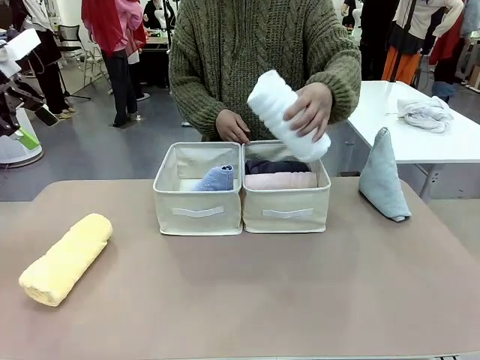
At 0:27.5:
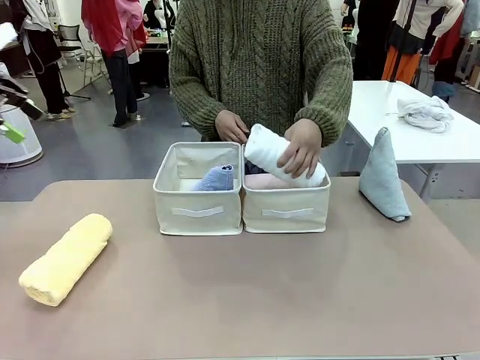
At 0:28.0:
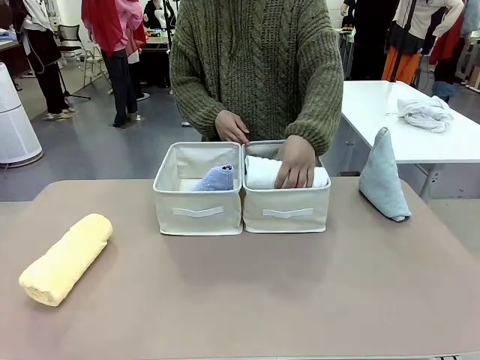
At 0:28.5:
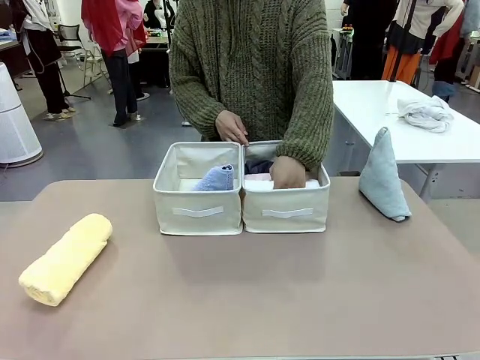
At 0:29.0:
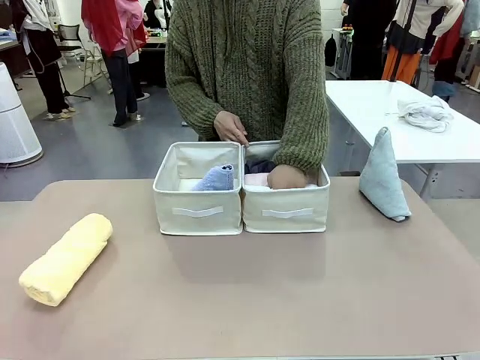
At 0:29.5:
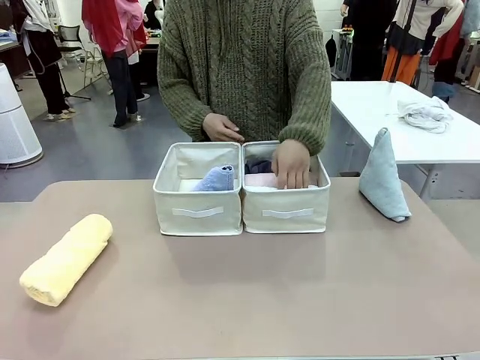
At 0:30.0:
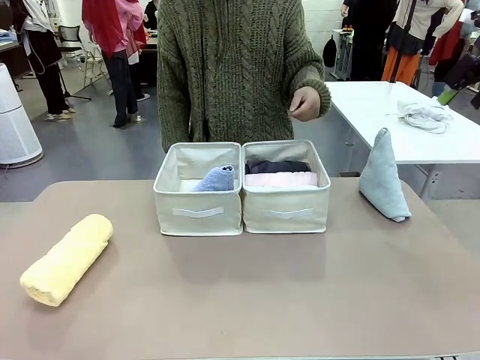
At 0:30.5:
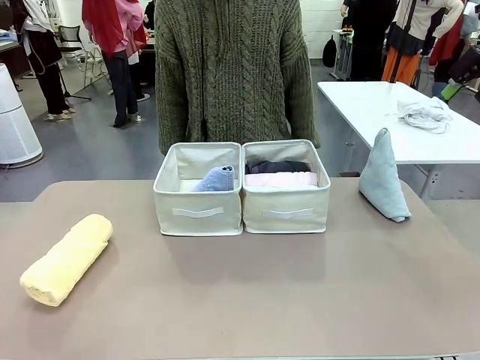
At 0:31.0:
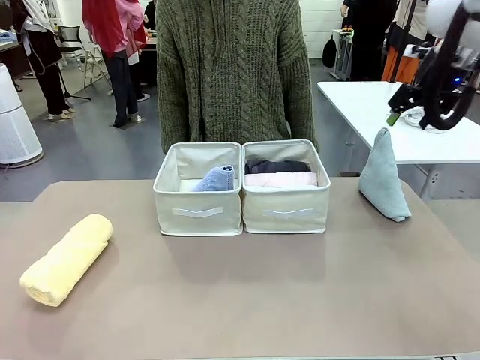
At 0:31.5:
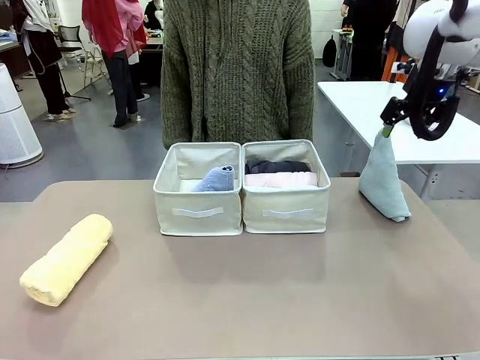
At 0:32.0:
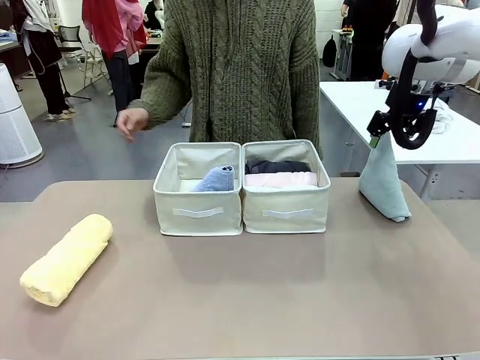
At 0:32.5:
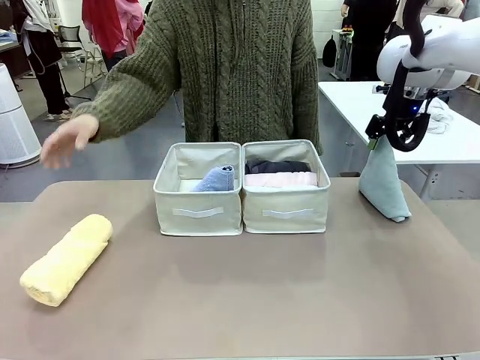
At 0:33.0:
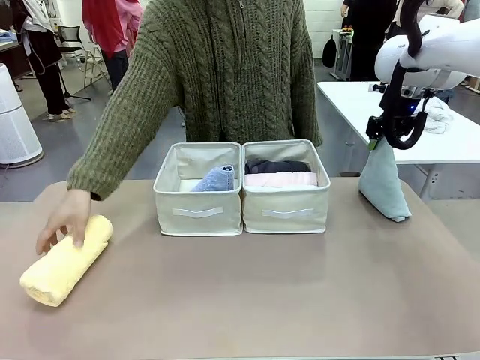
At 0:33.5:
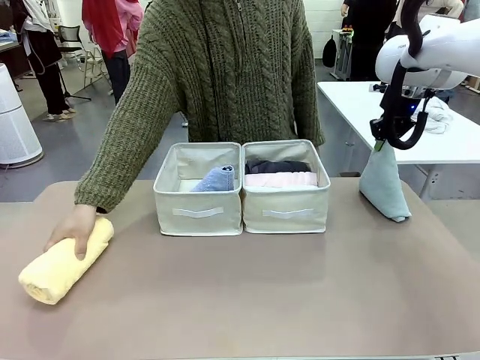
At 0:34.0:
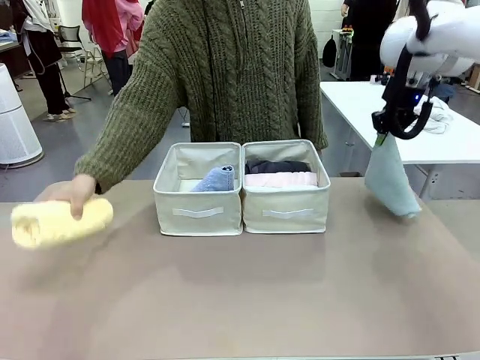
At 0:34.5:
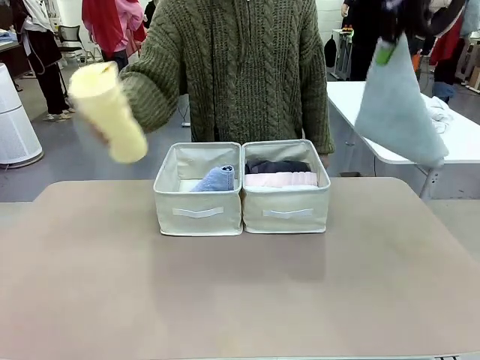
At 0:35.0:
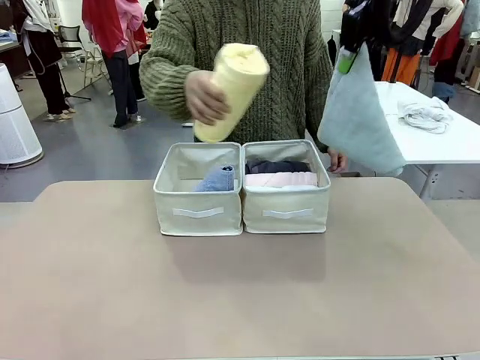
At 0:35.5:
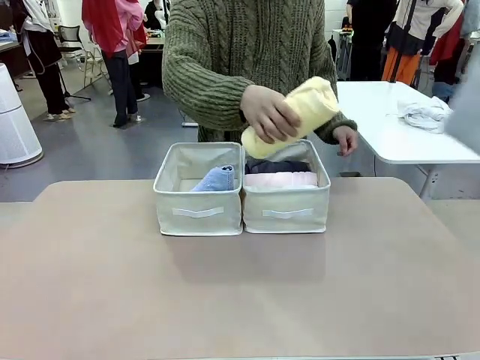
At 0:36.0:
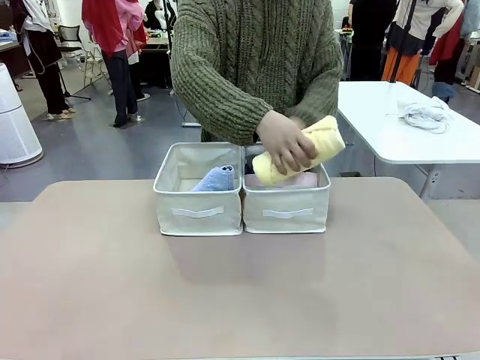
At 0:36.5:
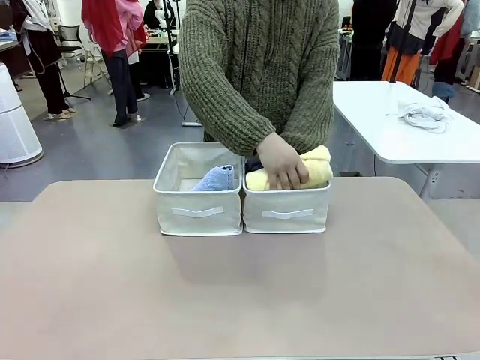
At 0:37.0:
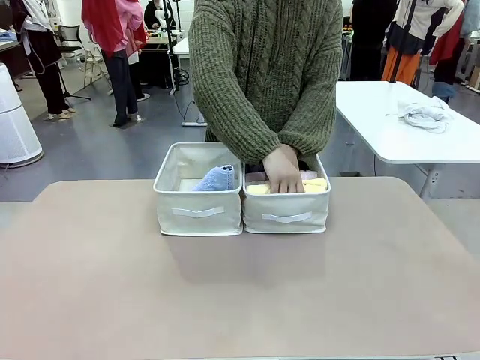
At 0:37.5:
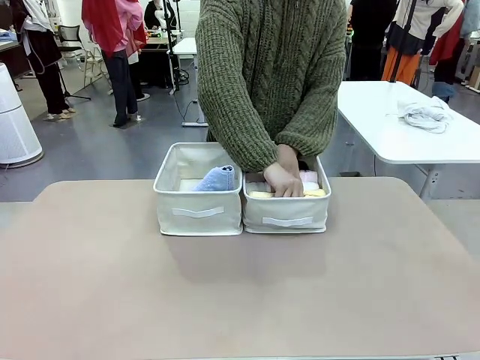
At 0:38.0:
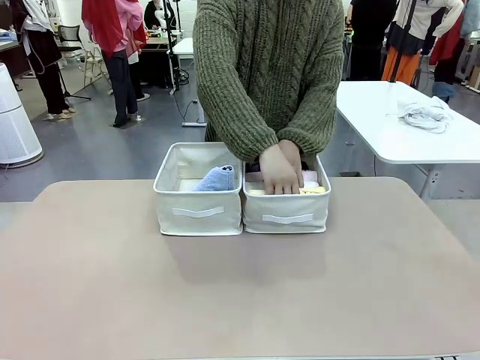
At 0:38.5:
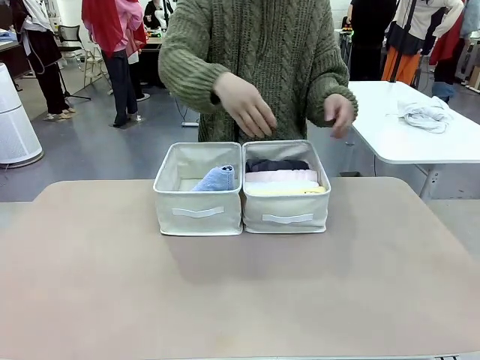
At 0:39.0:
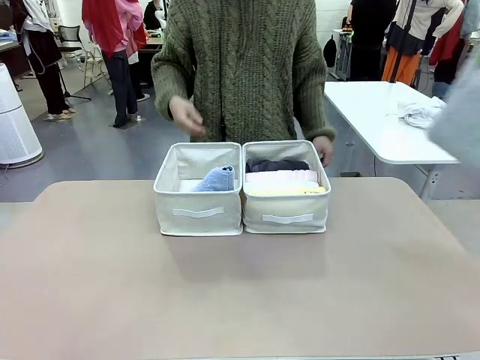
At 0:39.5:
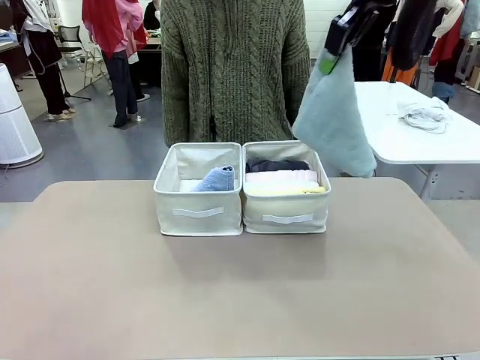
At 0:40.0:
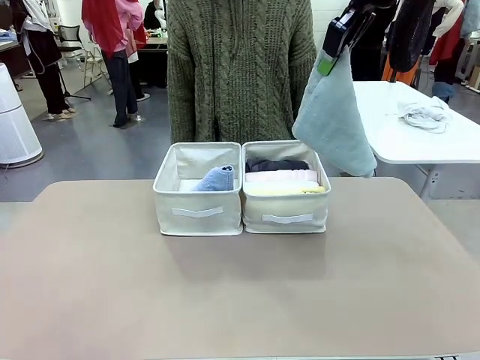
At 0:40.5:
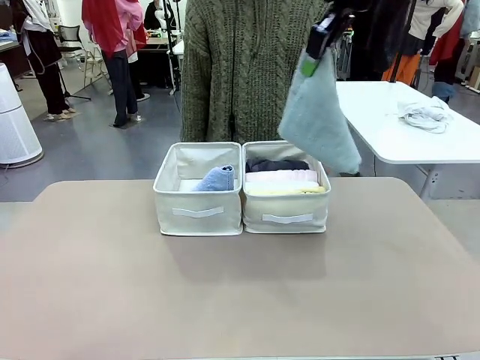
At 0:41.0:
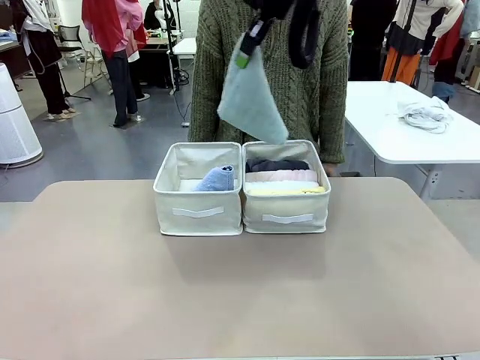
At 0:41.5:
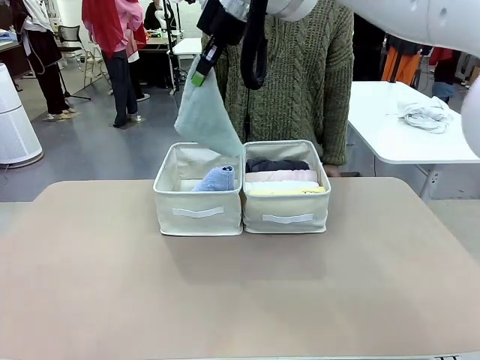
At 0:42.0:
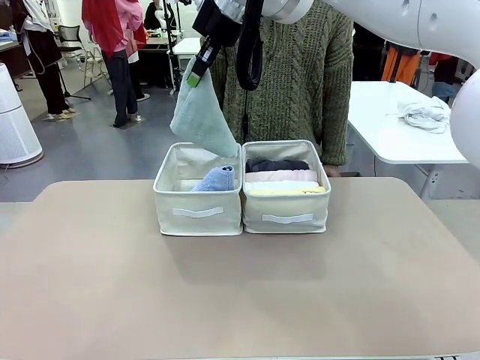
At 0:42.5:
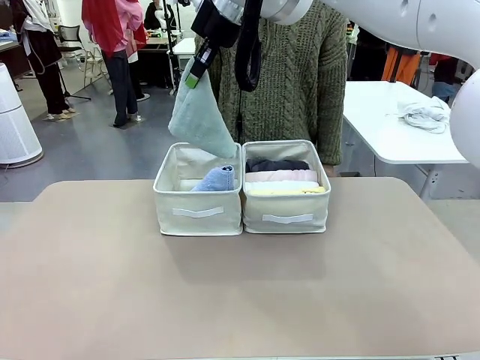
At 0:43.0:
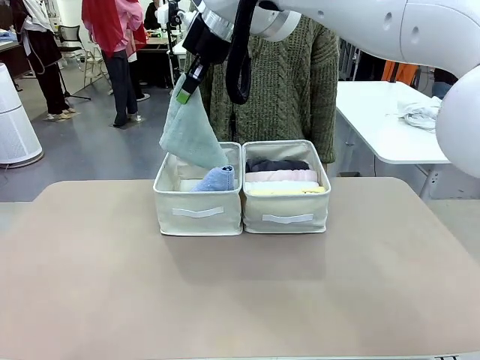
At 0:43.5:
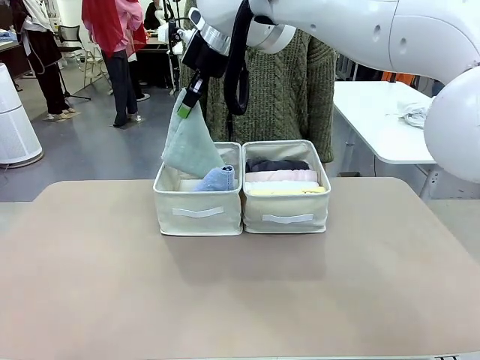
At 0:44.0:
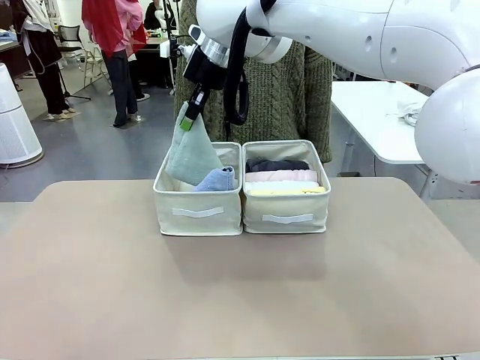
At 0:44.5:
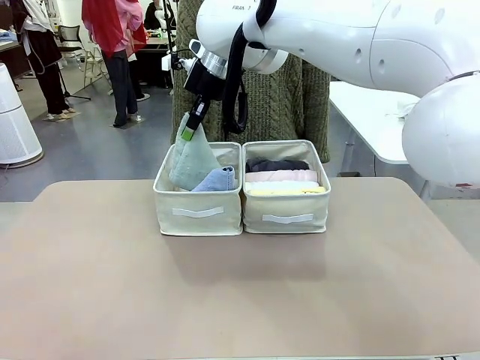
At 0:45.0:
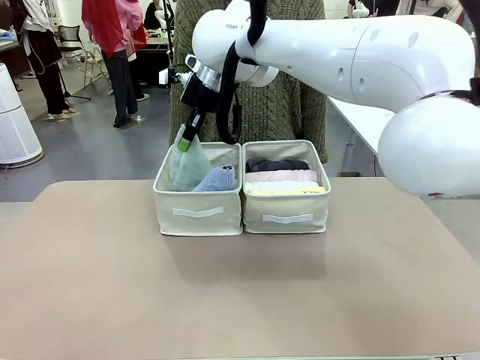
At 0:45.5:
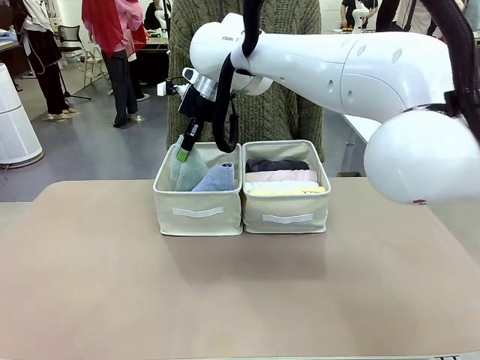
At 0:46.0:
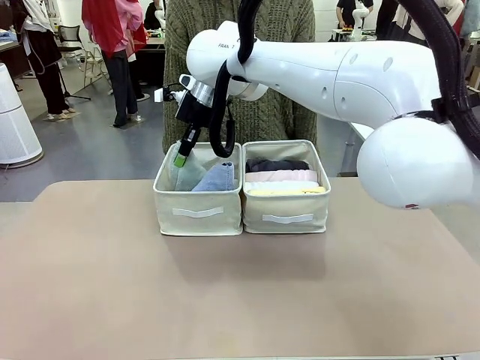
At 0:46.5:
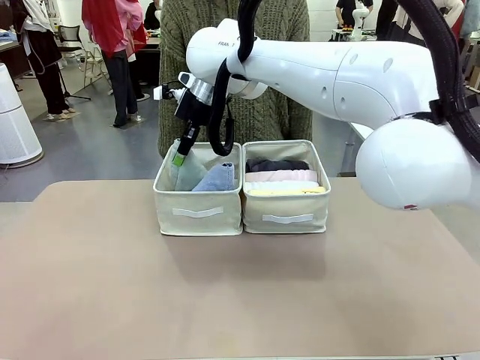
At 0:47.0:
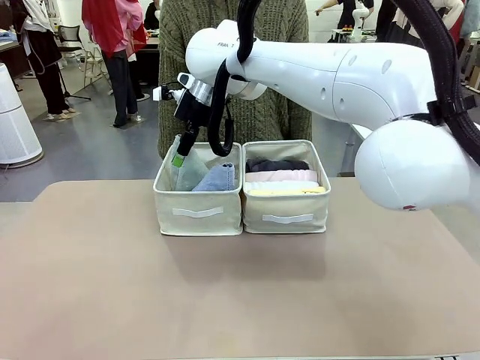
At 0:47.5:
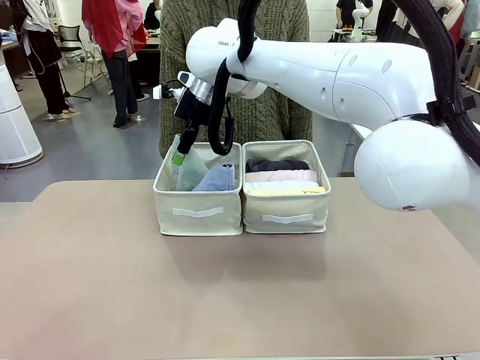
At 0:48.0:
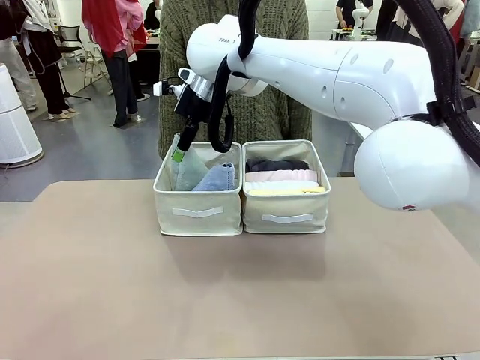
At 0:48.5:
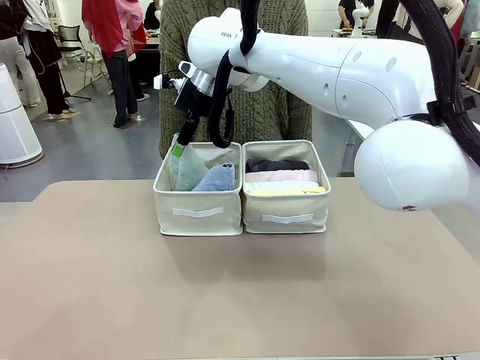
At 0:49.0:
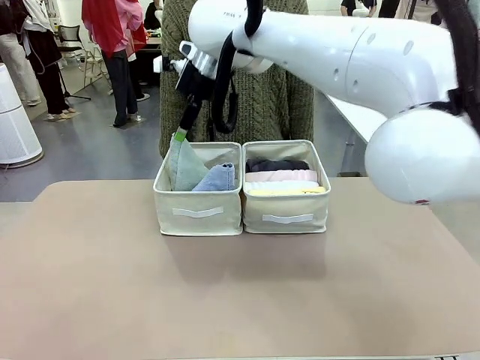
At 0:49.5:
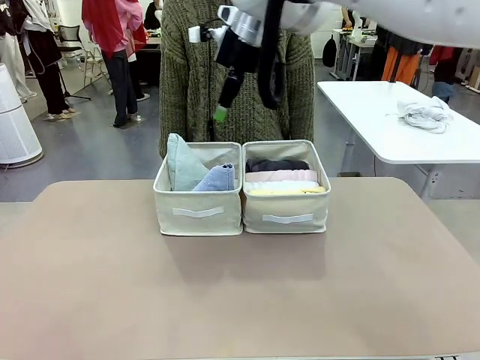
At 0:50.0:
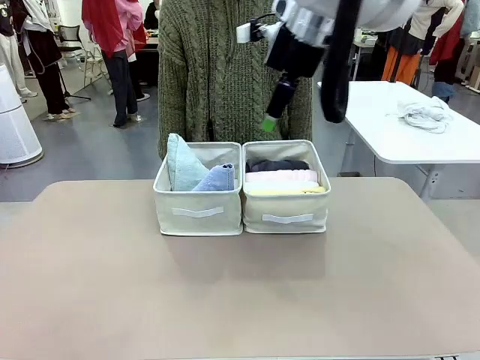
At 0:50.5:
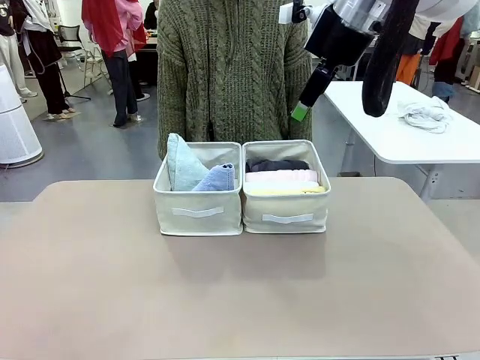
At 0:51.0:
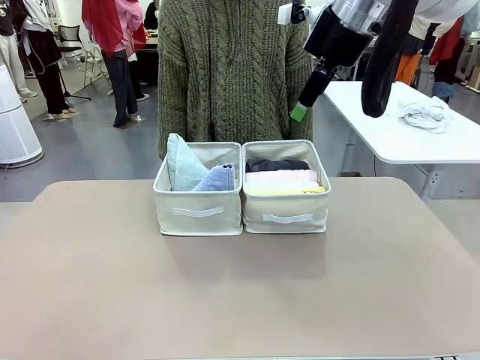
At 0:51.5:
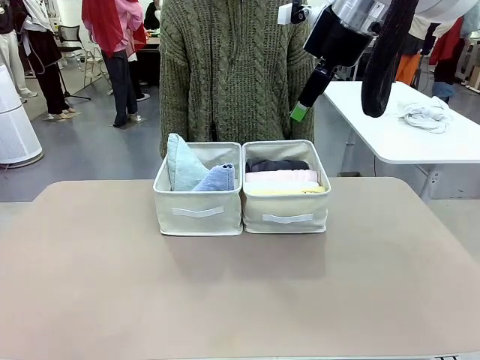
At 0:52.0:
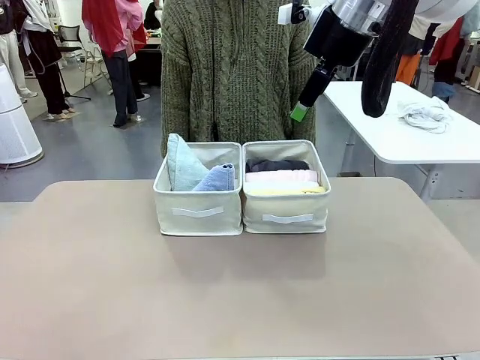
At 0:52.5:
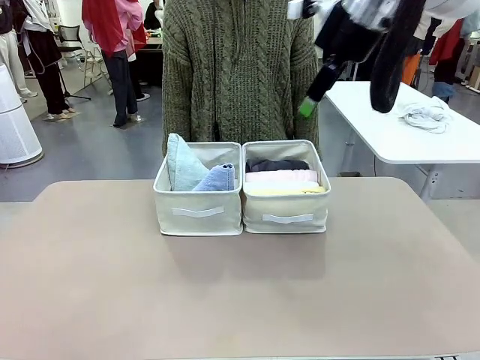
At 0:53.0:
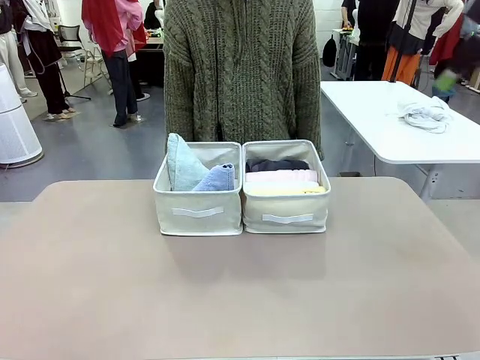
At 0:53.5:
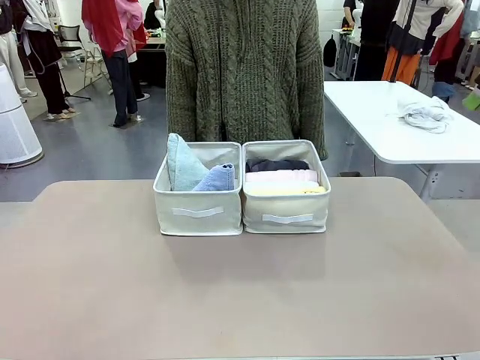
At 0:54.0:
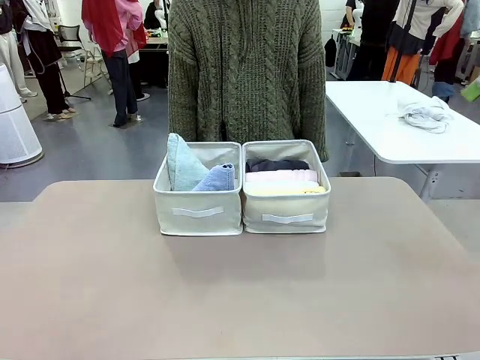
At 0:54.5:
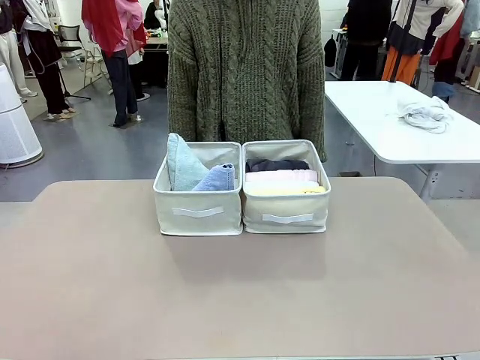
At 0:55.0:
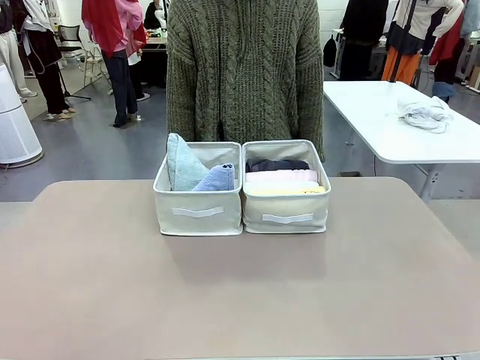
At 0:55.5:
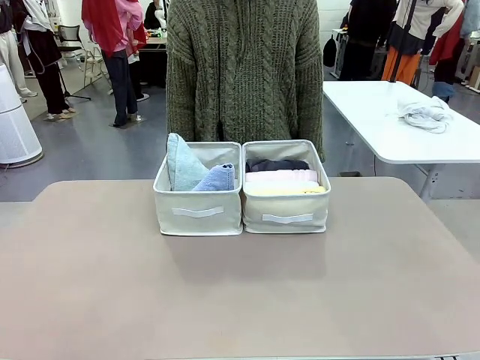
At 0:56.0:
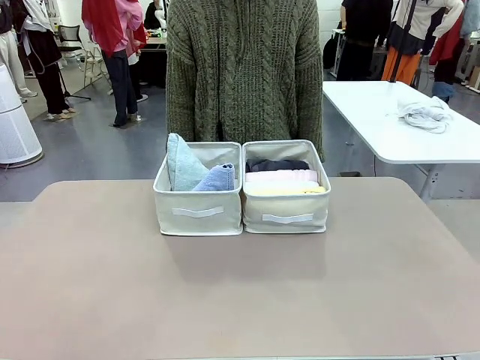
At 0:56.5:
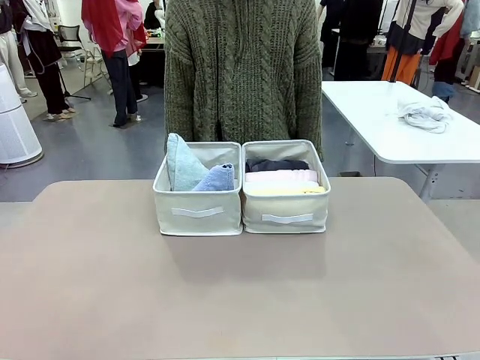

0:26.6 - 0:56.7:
Task: Sort the towels based on their folding style.
Robot: Pick up another triangle-folded towel from the table and place it in the left Fabric basket.
Person: Pick up one hotel-style rolled towel from the table and place it in the left fabric basket.
